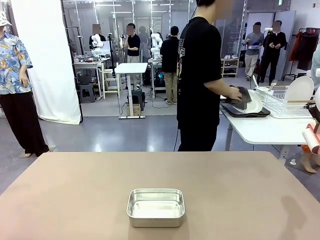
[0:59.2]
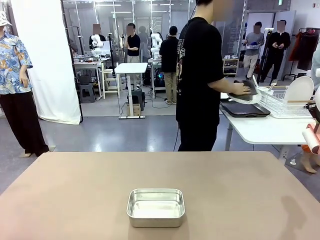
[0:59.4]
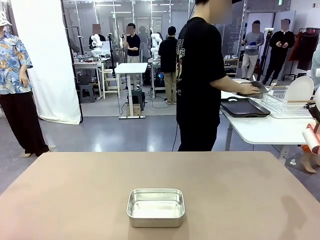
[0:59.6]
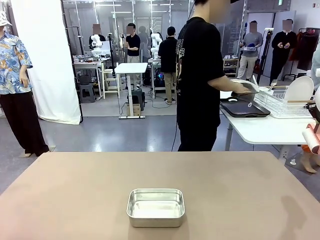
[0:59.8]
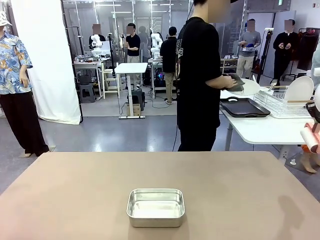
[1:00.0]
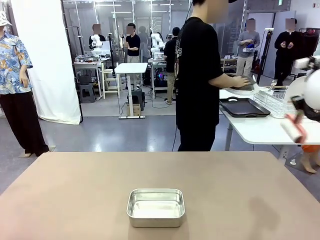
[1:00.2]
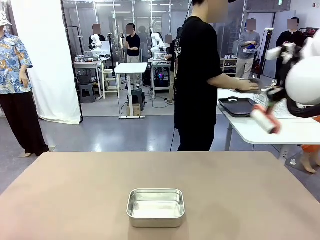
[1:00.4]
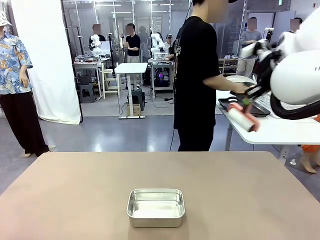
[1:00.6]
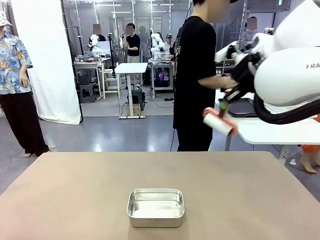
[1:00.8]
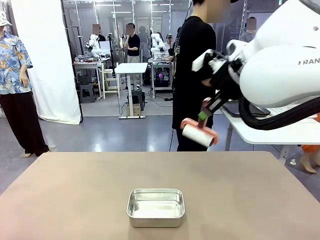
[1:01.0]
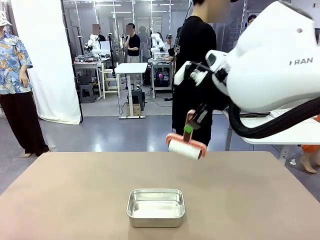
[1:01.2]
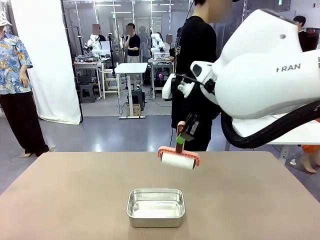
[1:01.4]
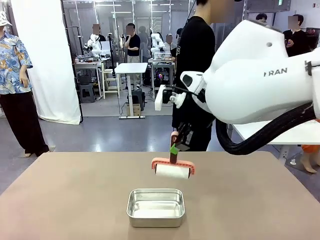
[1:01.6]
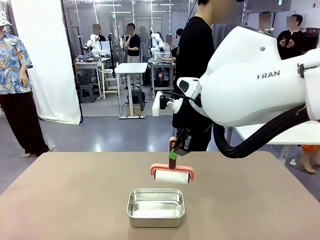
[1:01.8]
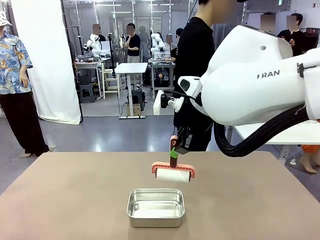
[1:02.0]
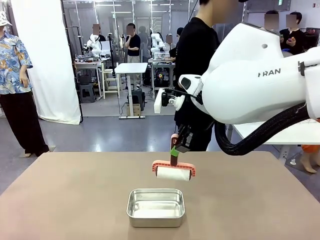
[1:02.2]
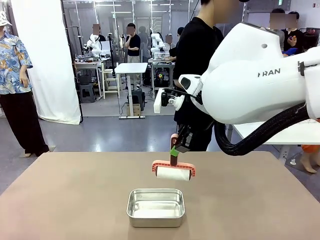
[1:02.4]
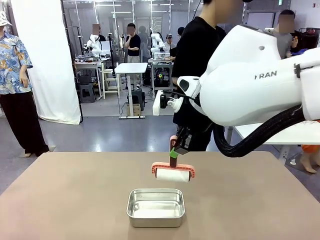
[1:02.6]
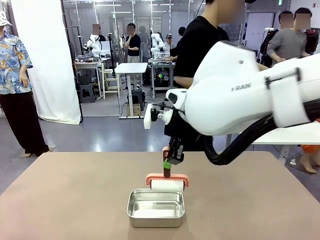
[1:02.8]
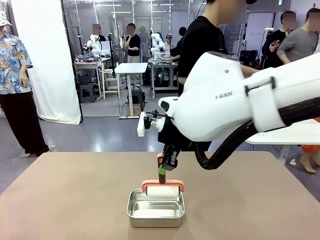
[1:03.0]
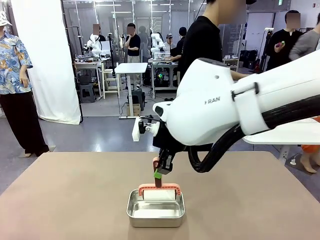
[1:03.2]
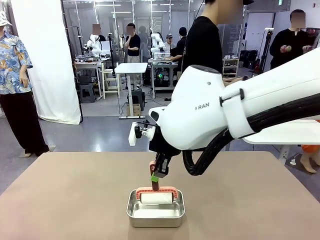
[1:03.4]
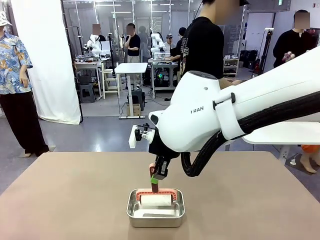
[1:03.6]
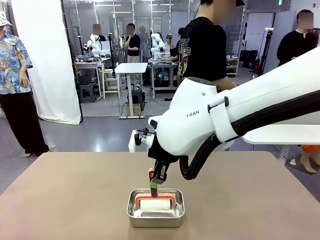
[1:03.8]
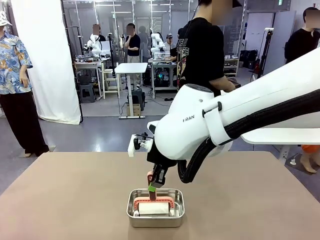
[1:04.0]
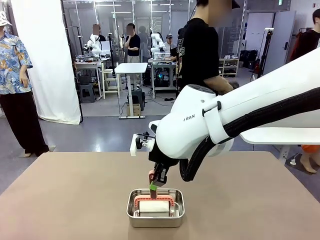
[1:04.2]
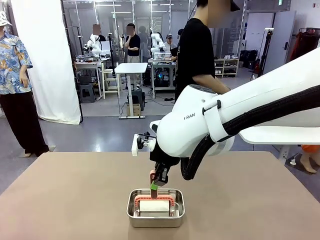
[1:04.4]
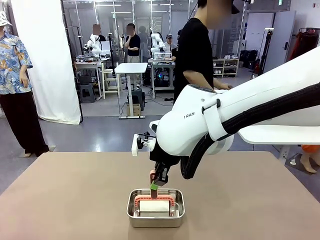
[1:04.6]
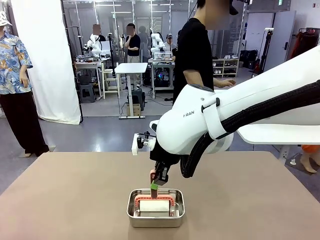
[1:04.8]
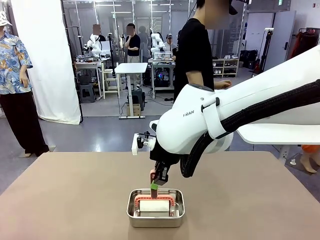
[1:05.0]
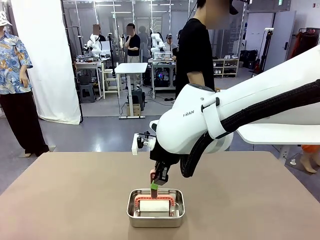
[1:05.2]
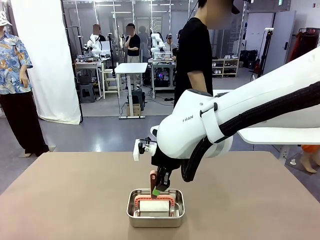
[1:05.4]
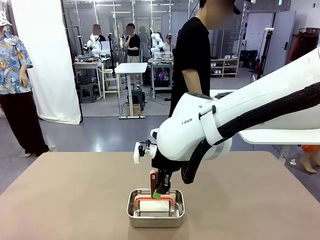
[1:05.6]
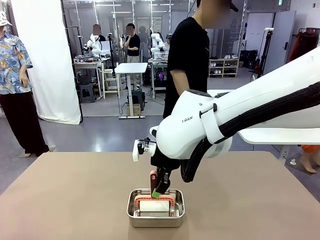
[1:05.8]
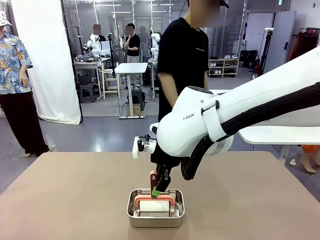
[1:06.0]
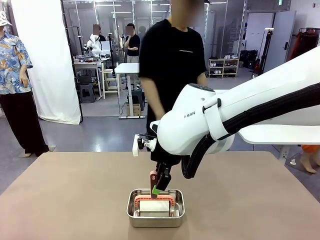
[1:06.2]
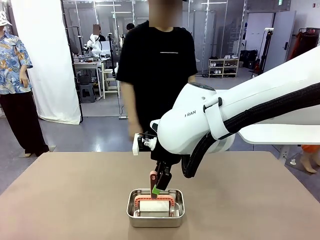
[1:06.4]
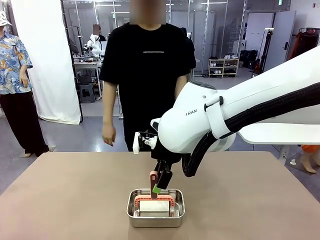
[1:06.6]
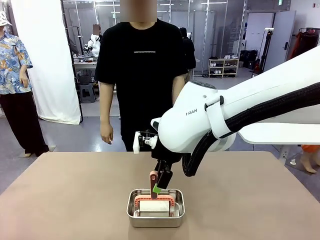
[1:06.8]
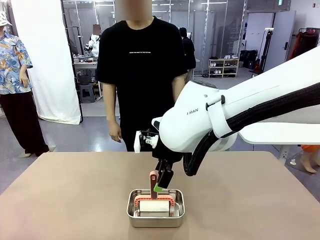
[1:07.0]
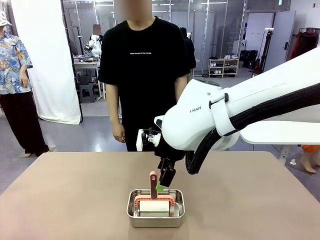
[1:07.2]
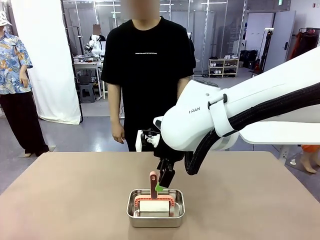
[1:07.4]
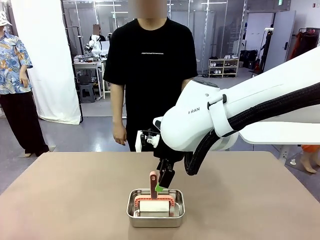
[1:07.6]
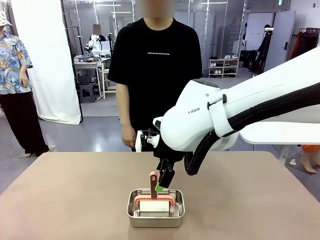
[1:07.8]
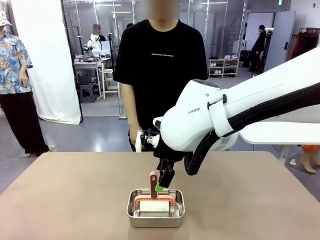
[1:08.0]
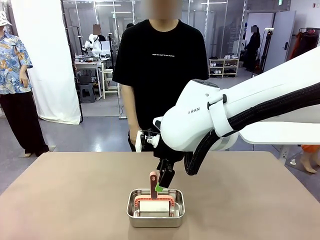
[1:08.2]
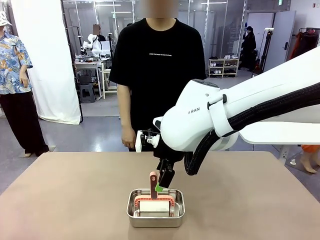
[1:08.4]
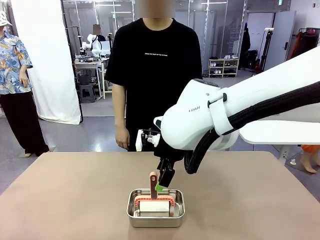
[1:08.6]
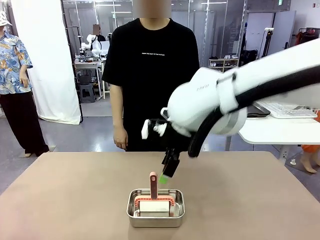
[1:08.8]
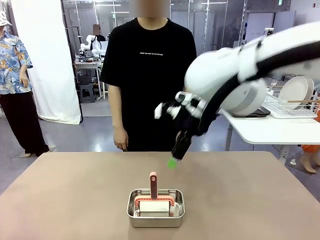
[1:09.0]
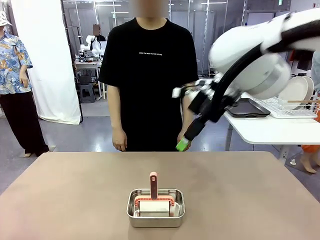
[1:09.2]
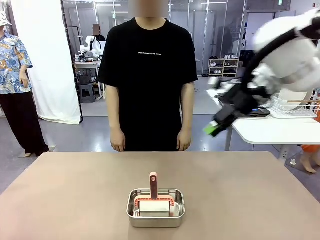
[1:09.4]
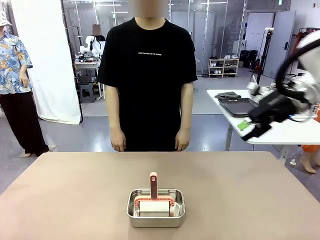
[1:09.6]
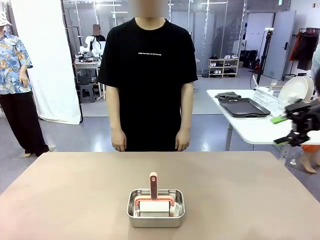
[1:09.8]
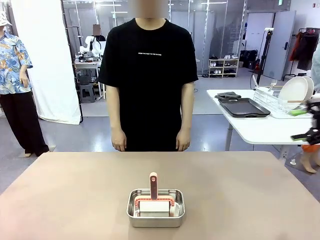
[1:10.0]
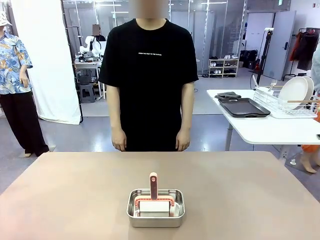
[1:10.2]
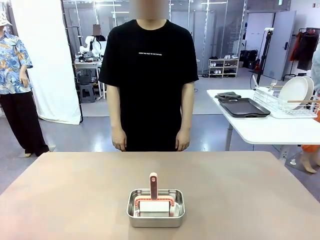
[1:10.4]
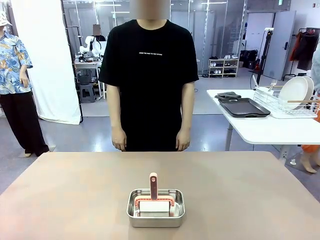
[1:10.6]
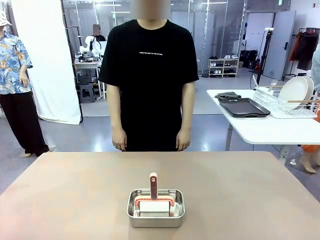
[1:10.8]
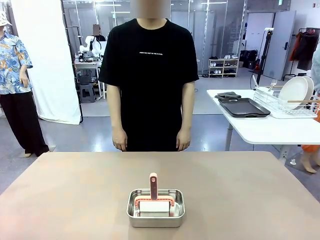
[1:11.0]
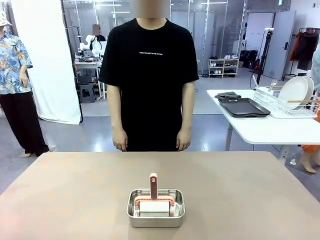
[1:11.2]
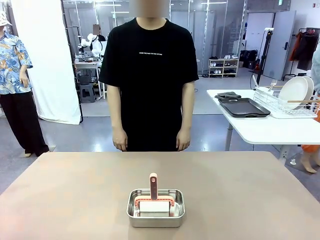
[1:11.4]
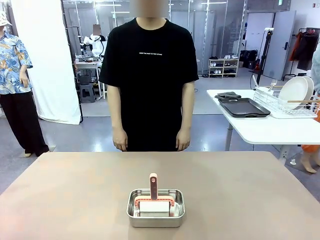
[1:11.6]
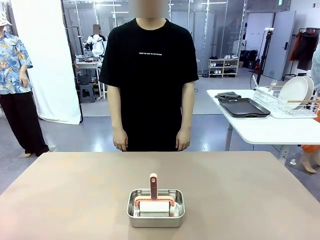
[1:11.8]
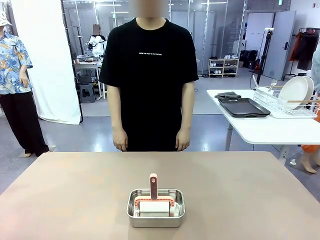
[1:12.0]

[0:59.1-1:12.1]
Robot: Place the Lint Roller back on top of the Airtight Container.
